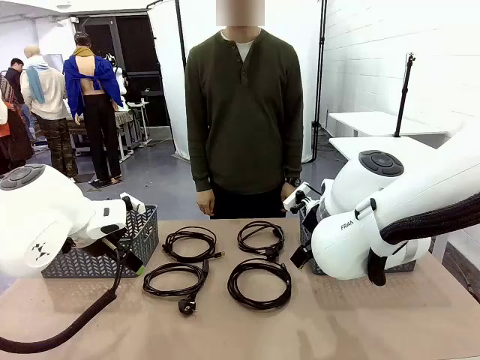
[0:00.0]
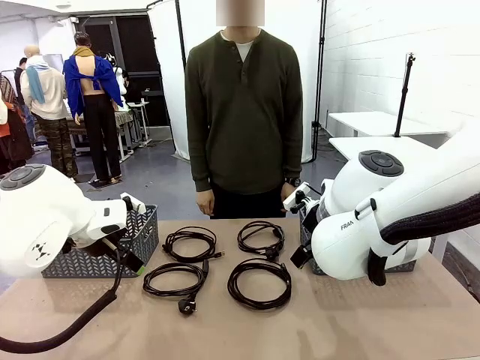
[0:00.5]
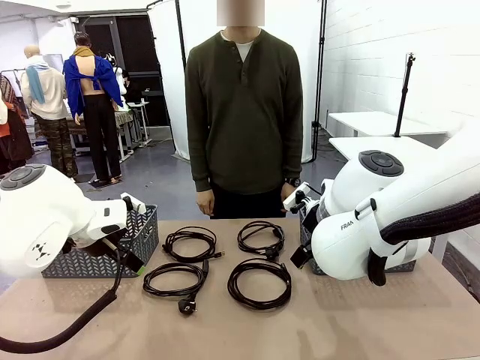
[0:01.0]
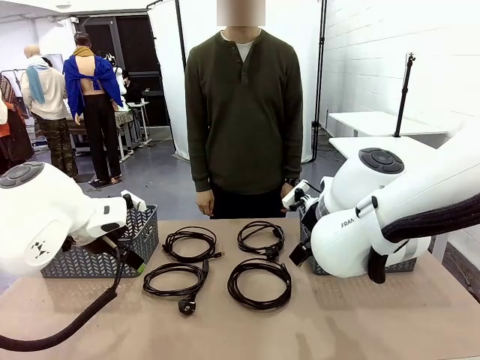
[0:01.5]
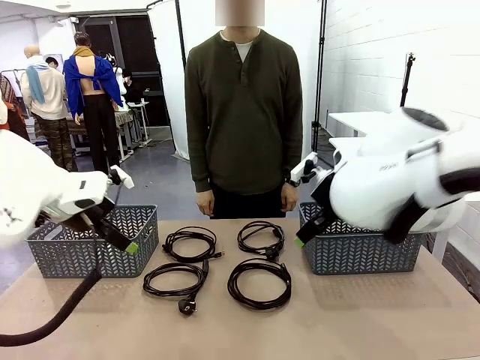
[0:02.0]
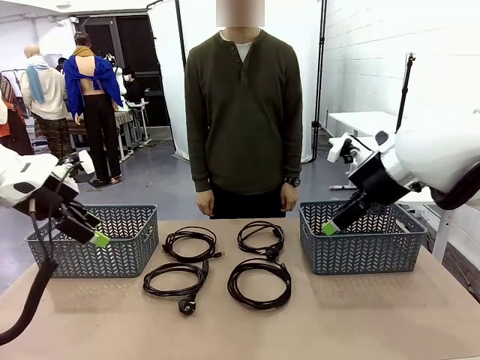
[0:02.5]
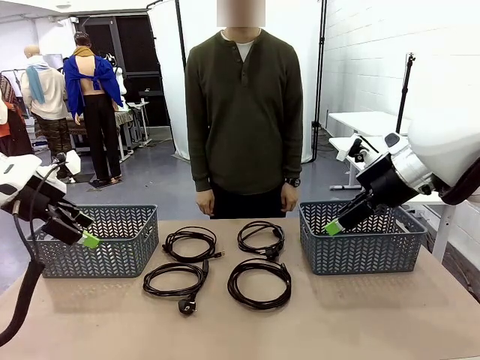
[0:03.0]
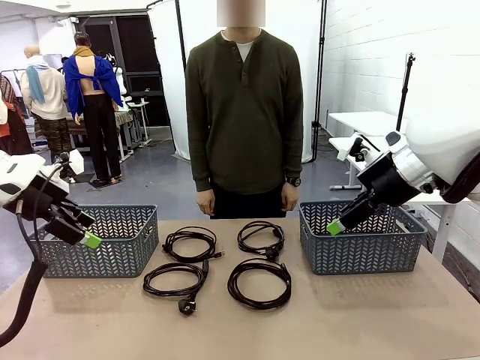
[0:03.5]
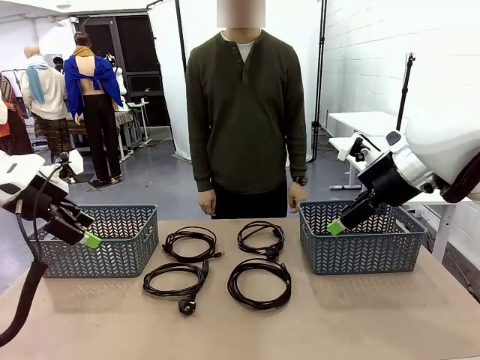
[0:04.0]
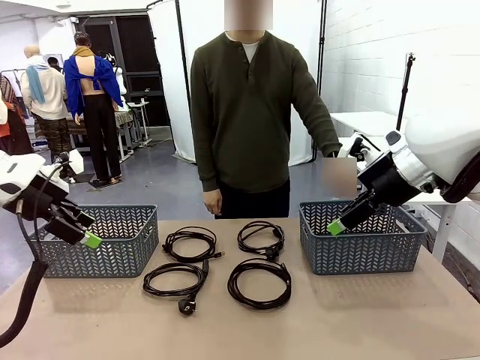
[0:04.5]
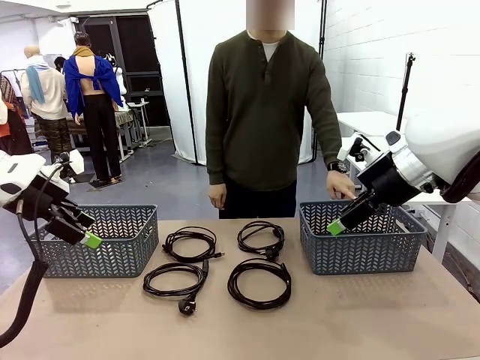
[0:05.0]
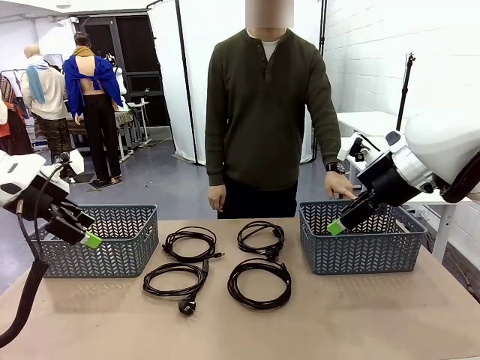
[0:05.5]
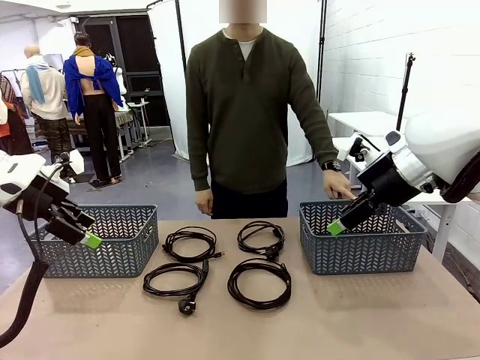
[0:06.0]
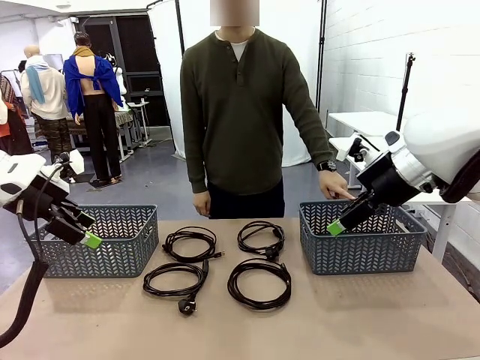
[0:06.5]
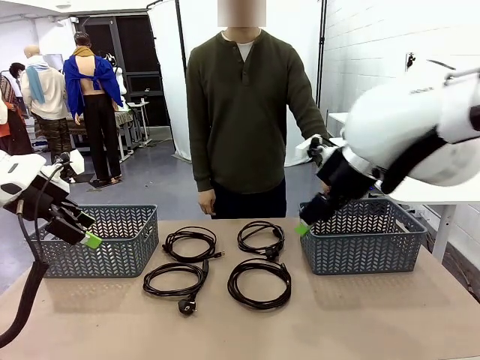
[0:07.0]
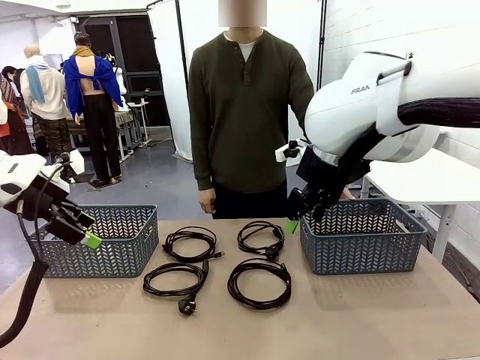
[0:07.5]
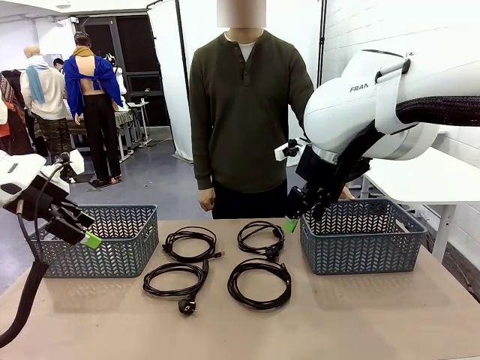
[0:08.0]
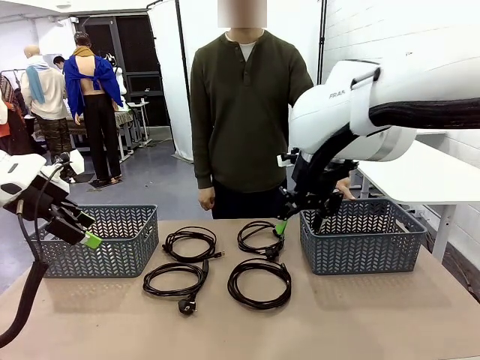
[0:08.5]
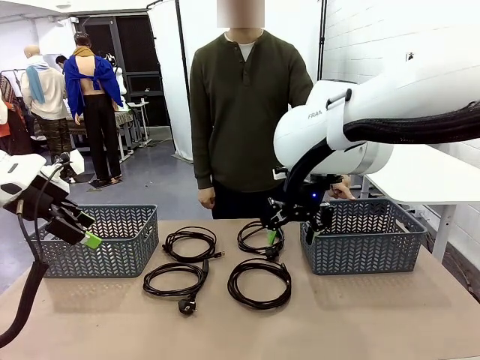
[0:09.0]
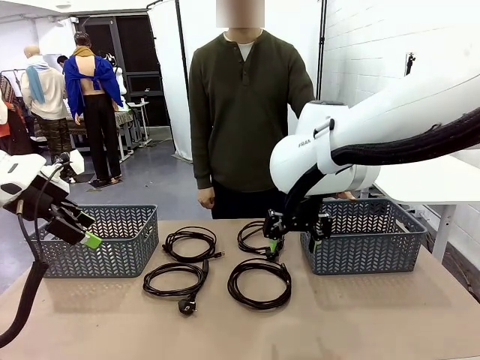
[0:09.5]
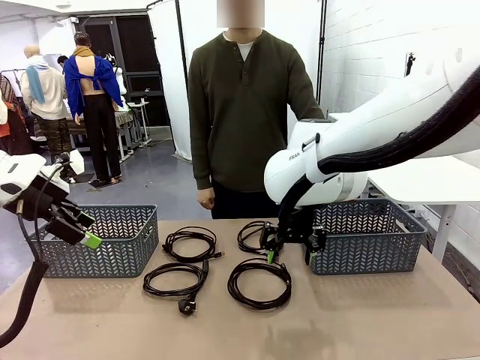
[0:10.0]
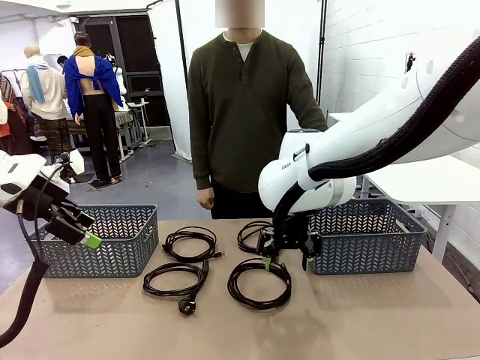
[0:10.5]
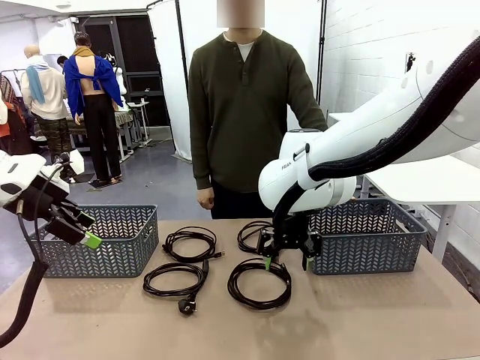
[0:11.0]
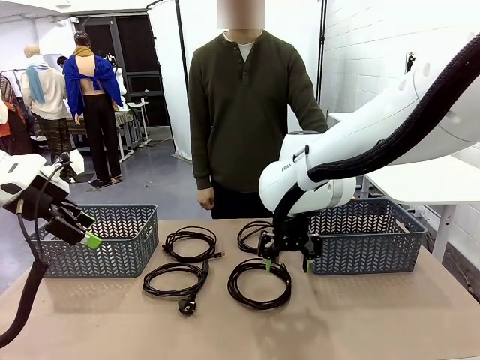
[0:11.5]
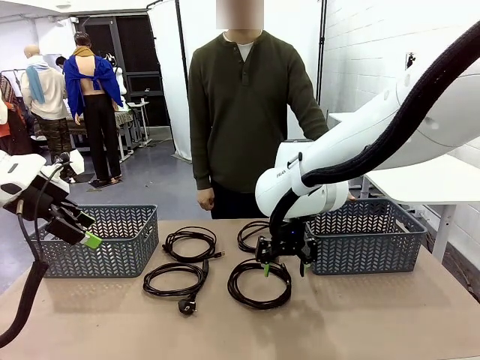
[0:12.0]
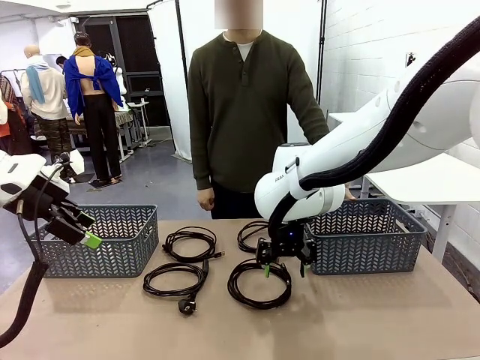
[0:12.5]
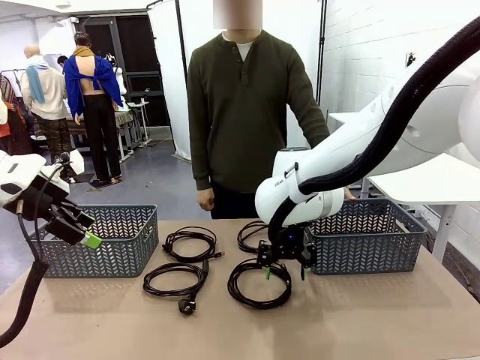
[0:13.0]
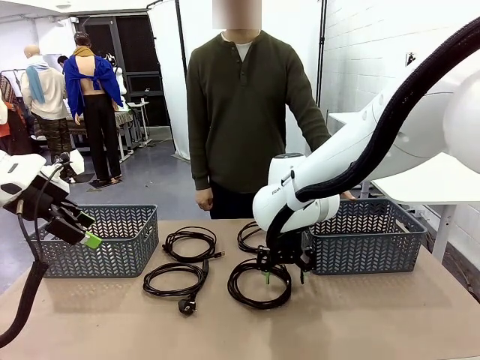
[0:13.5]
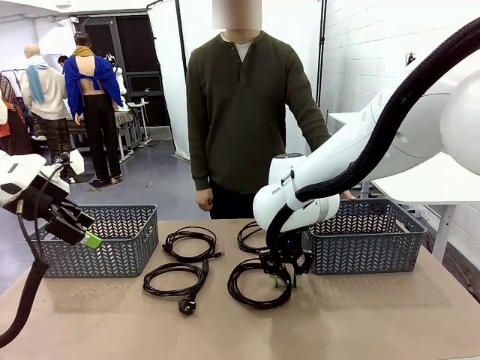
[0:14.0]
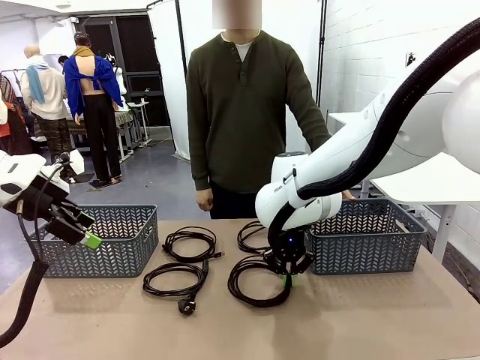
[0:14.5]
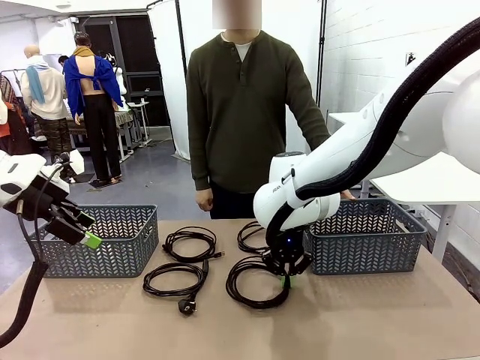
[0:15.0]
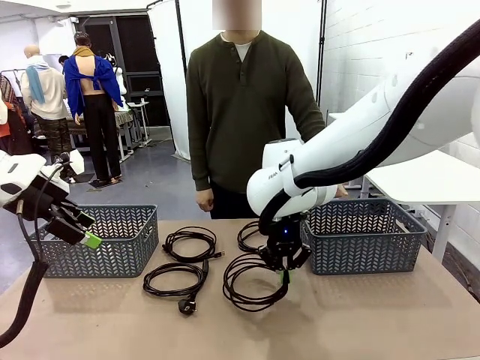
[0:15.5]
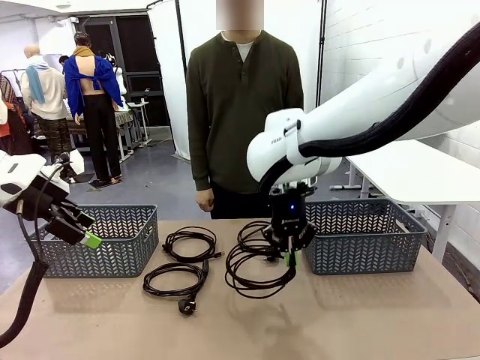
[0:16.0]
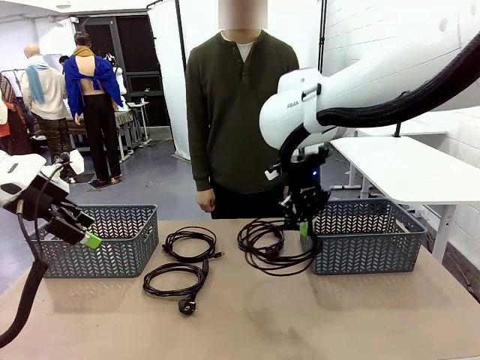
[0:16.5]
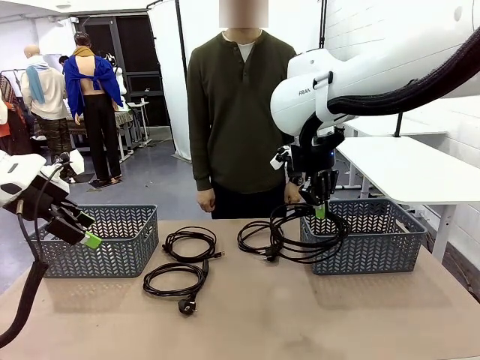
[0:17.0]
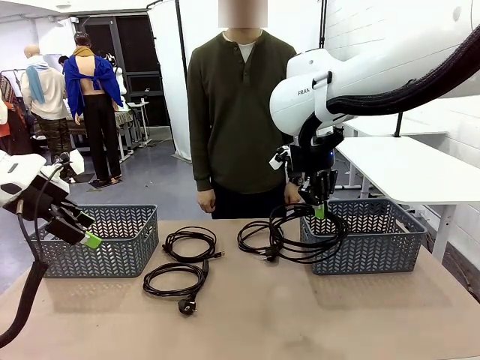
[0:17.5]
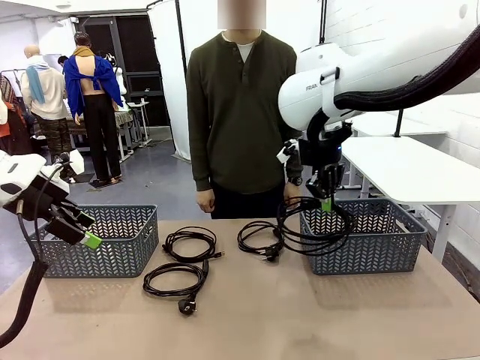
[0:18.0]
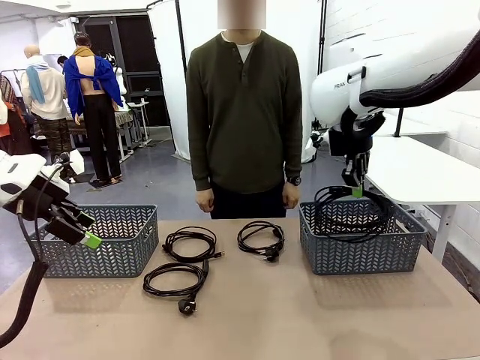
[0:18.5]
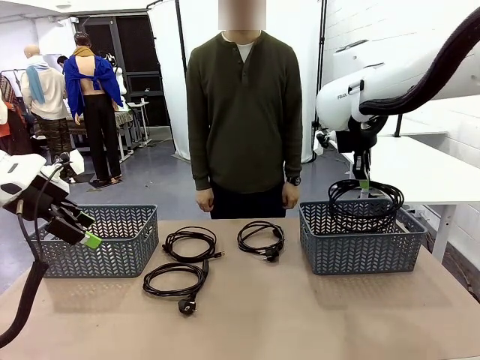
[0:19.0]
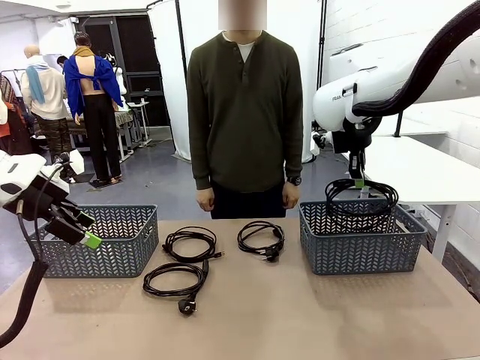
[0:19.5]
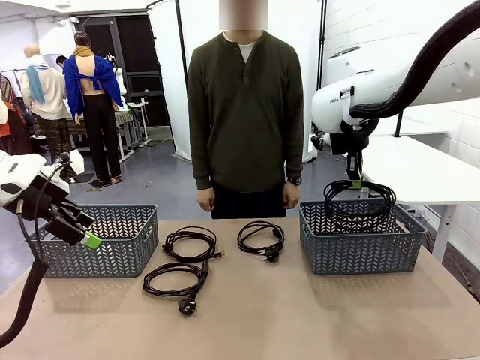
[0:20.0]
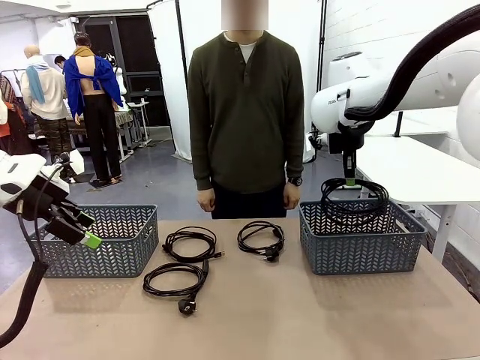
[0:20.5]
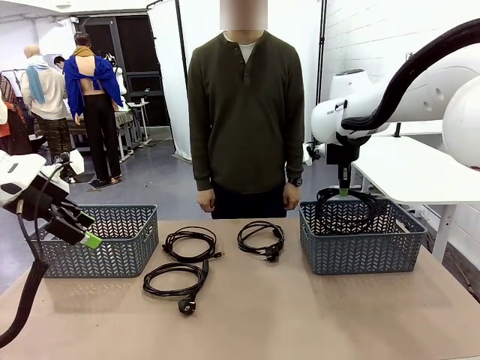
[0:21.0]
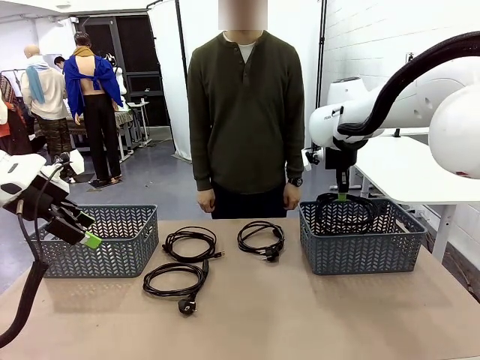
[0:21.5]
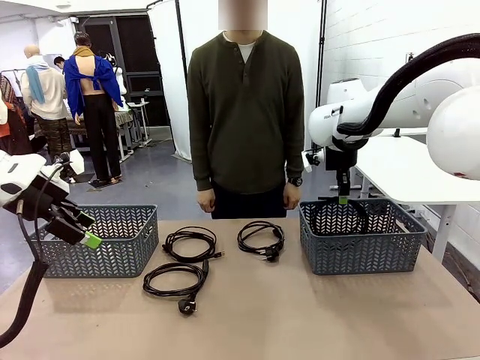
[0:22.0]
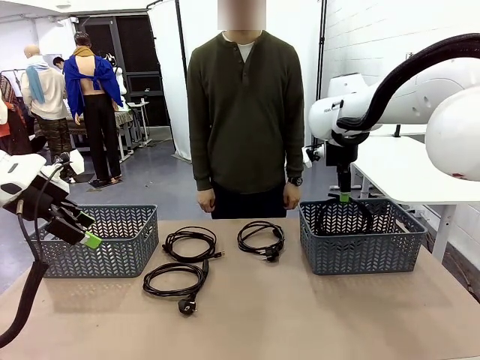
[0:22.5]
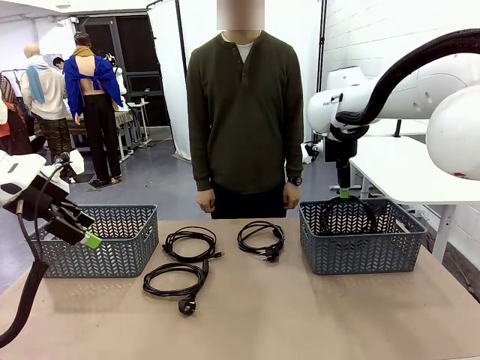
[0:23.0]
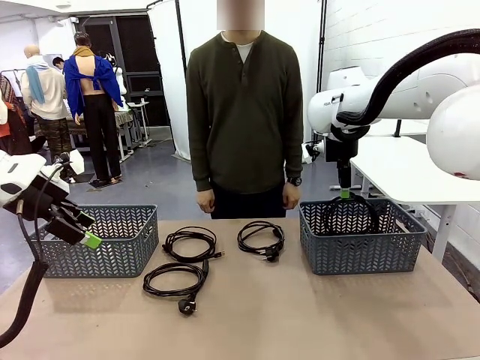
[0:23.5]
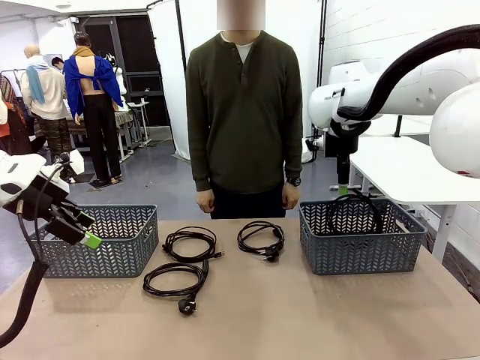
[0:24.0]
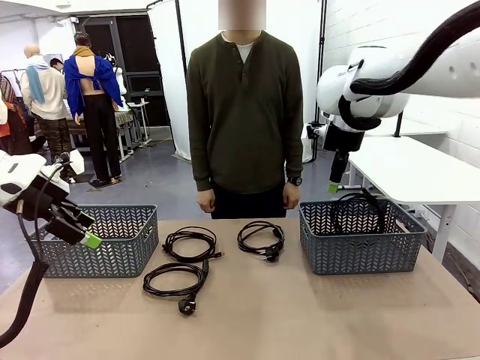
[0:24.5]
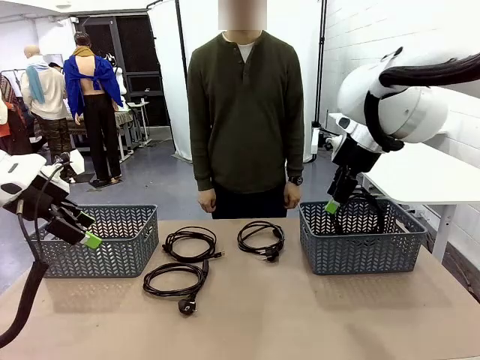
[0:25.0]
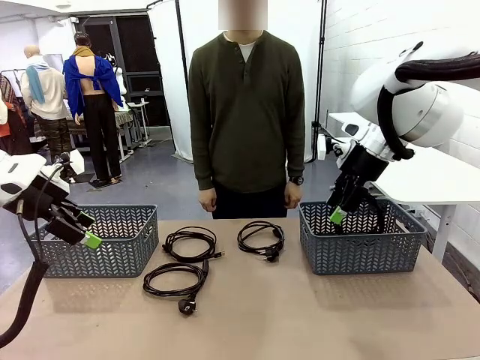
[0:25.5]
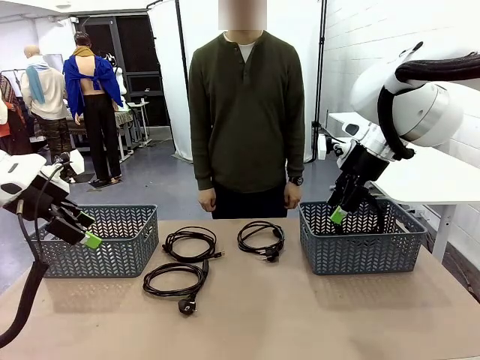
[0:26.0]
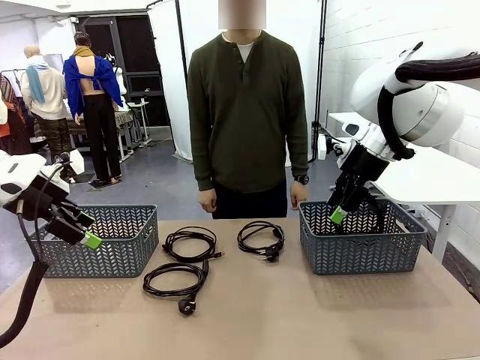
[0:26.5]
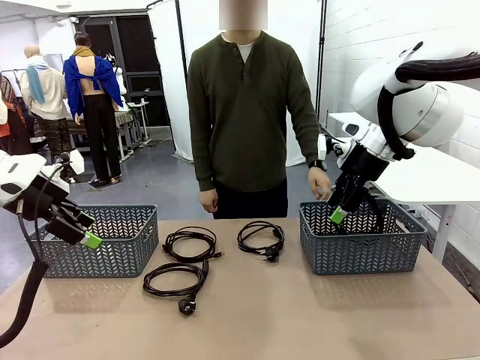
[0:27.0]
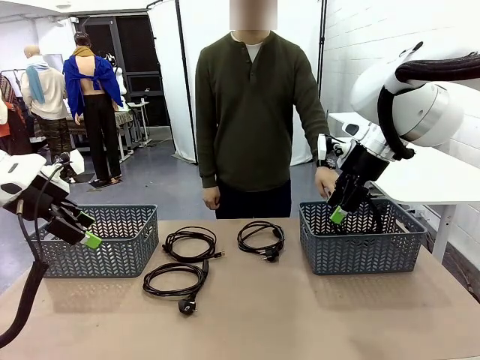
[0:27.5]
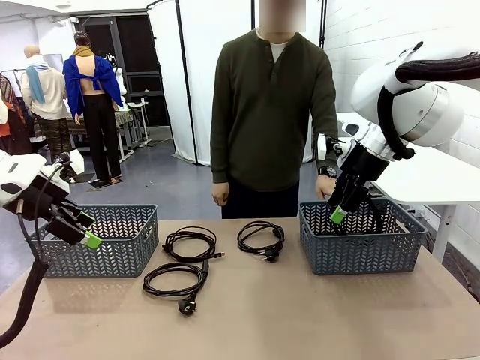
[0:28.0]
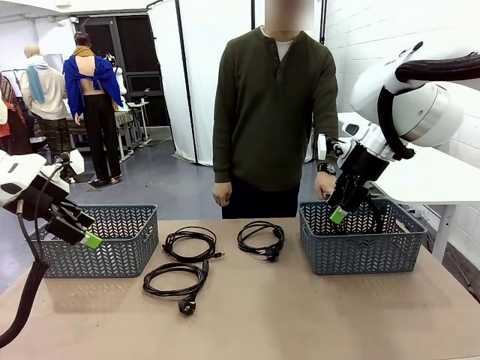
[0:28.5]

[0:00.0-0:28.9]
Task: Organize the cables according to human instructions.
Robot: Pick up a bundle of cables and place it in the basket indicated by the human.
